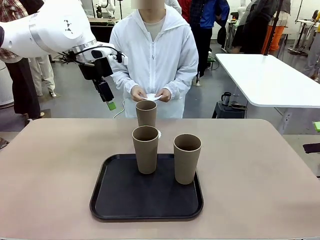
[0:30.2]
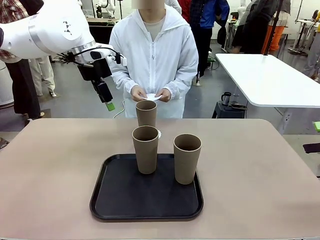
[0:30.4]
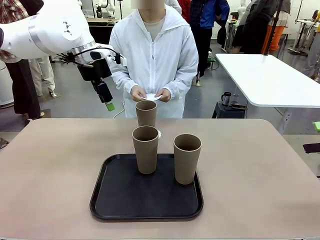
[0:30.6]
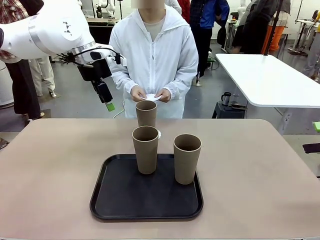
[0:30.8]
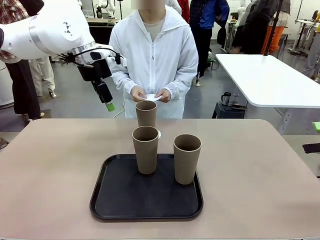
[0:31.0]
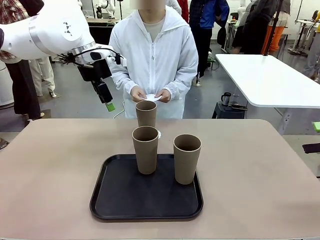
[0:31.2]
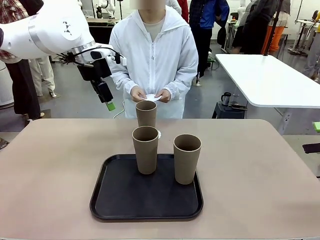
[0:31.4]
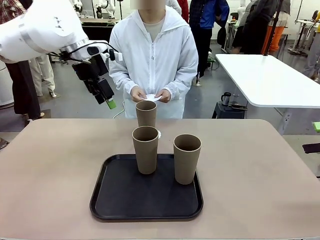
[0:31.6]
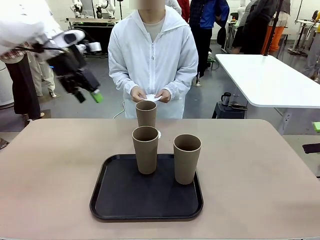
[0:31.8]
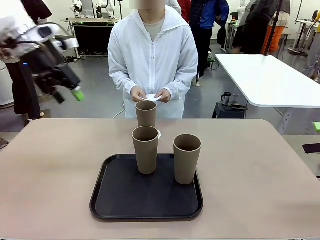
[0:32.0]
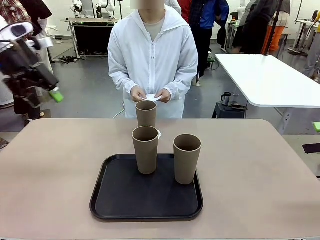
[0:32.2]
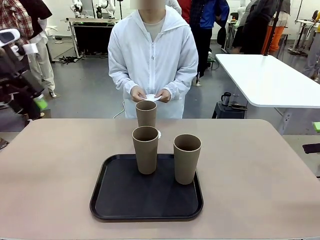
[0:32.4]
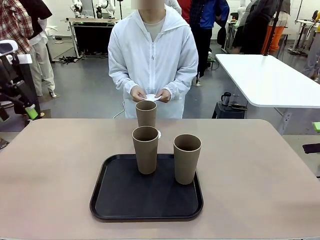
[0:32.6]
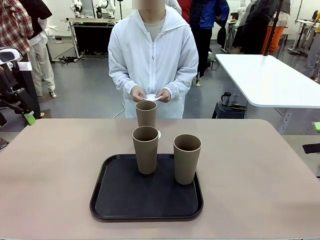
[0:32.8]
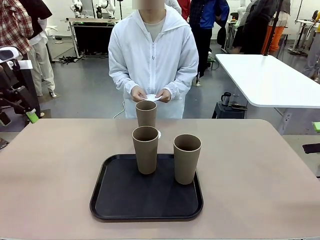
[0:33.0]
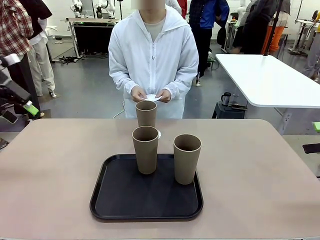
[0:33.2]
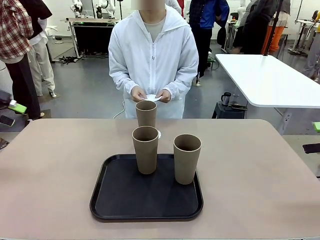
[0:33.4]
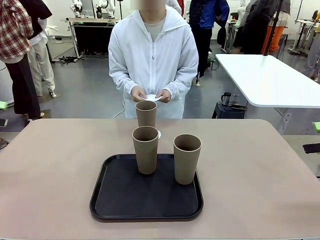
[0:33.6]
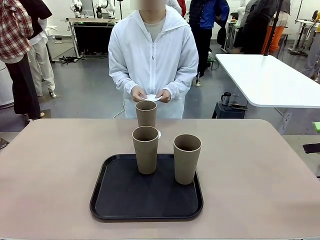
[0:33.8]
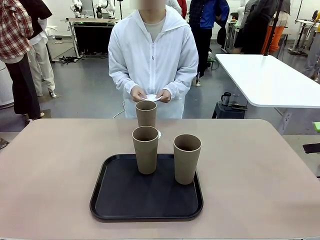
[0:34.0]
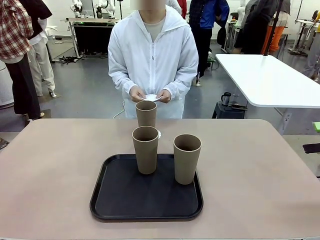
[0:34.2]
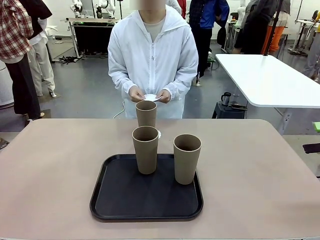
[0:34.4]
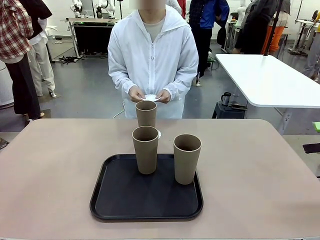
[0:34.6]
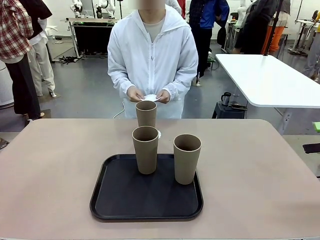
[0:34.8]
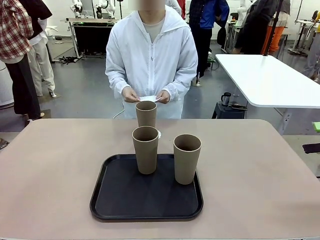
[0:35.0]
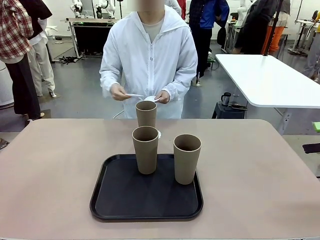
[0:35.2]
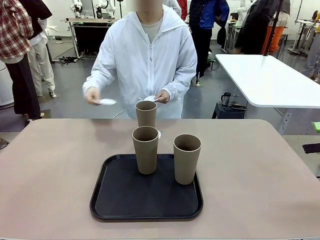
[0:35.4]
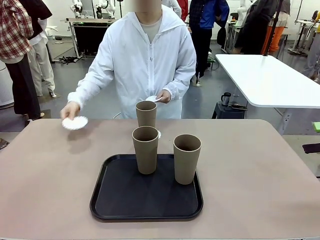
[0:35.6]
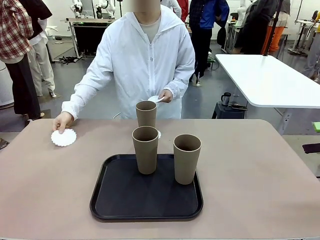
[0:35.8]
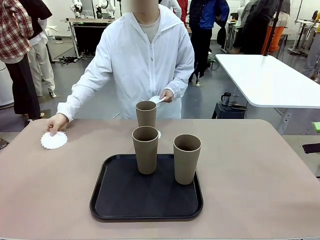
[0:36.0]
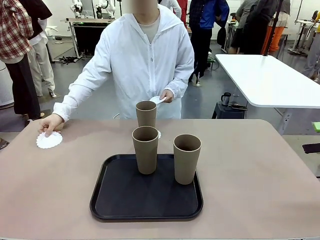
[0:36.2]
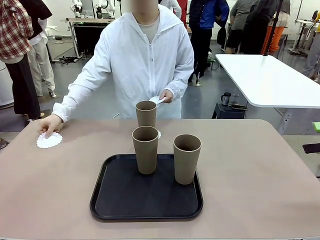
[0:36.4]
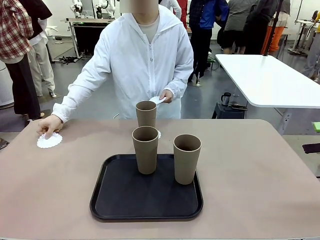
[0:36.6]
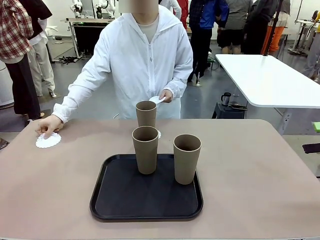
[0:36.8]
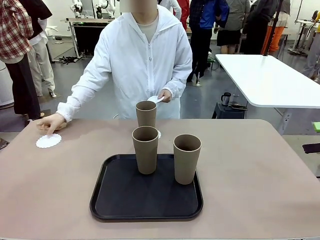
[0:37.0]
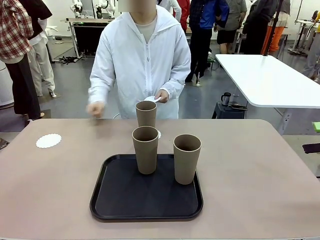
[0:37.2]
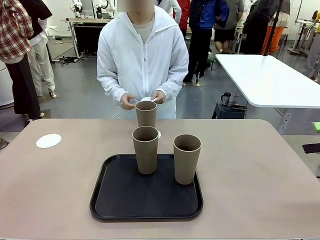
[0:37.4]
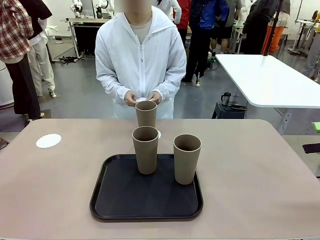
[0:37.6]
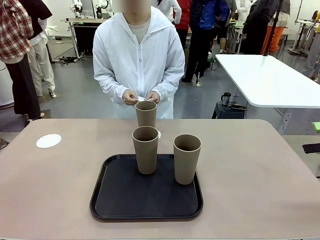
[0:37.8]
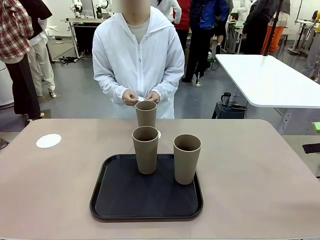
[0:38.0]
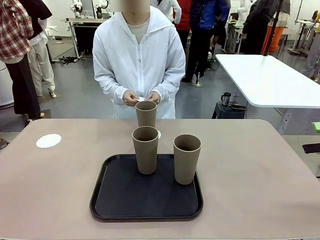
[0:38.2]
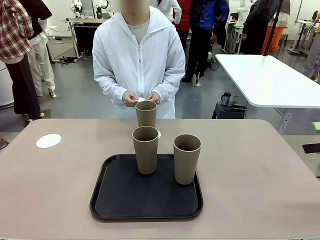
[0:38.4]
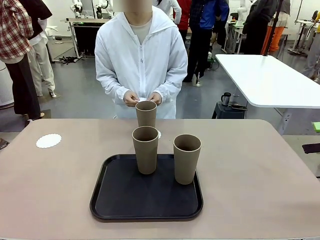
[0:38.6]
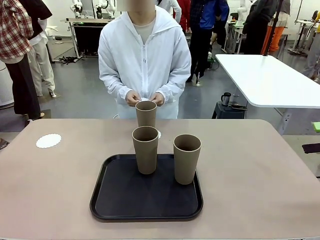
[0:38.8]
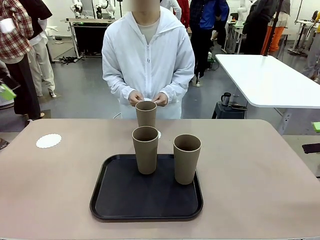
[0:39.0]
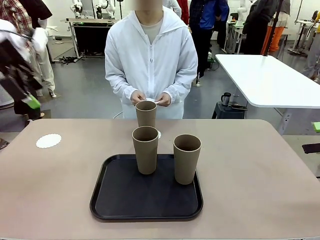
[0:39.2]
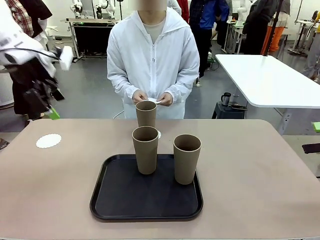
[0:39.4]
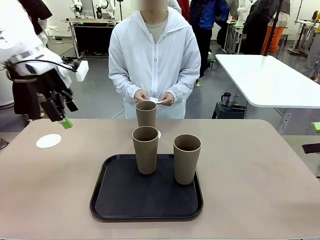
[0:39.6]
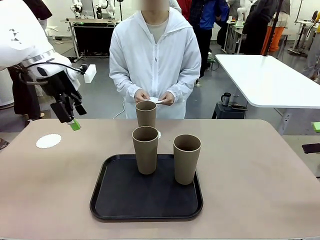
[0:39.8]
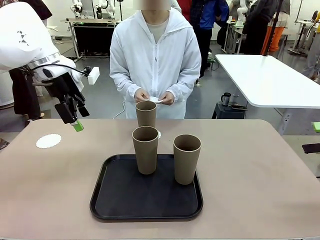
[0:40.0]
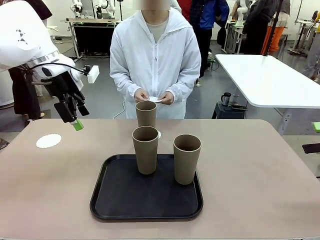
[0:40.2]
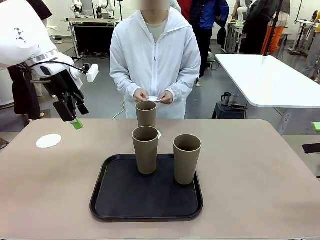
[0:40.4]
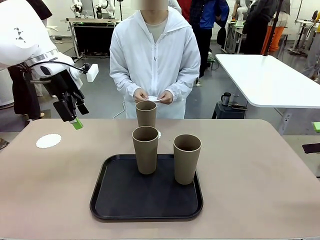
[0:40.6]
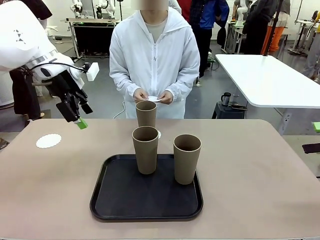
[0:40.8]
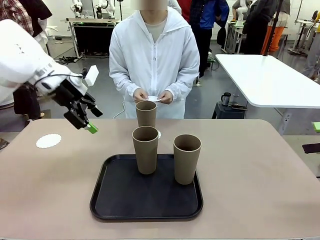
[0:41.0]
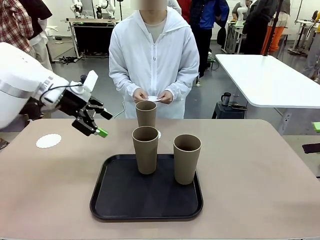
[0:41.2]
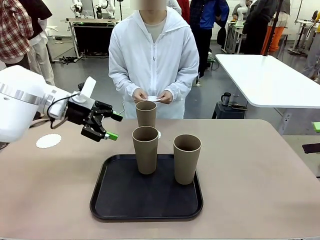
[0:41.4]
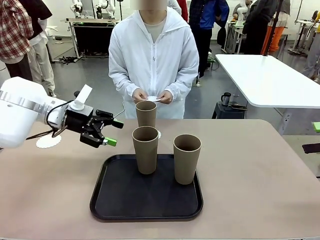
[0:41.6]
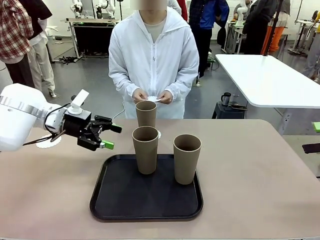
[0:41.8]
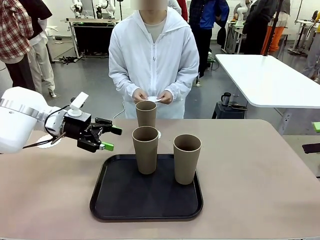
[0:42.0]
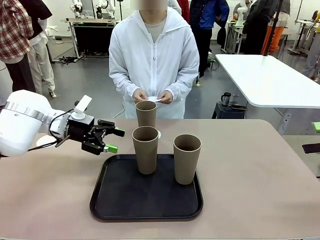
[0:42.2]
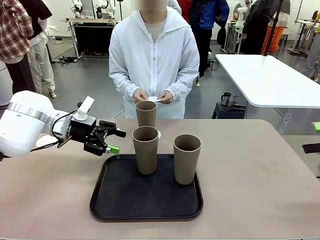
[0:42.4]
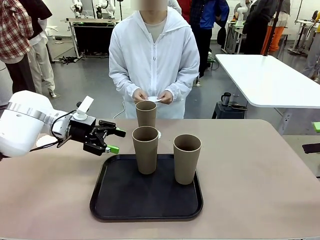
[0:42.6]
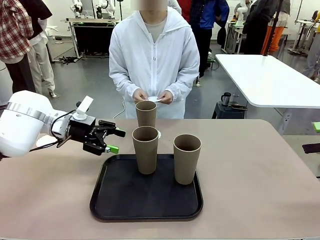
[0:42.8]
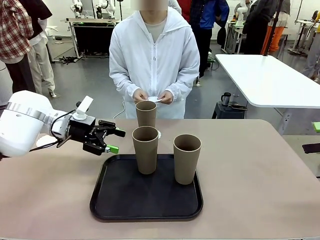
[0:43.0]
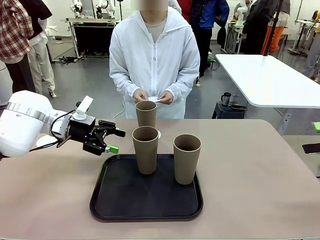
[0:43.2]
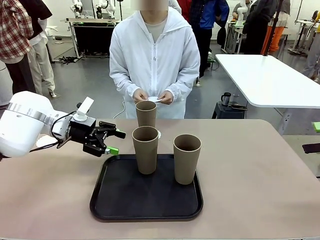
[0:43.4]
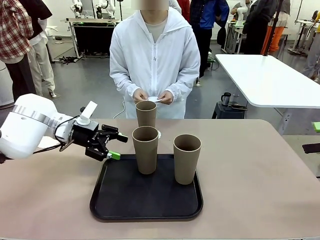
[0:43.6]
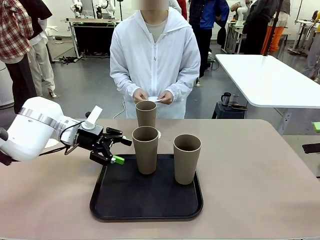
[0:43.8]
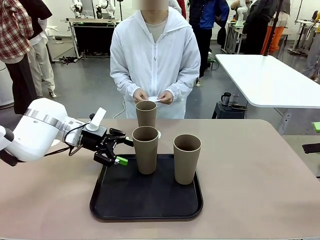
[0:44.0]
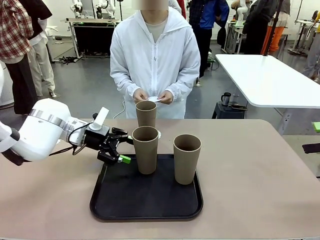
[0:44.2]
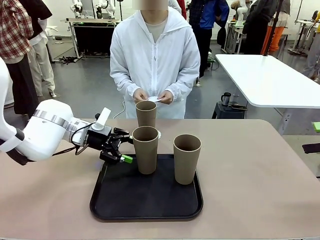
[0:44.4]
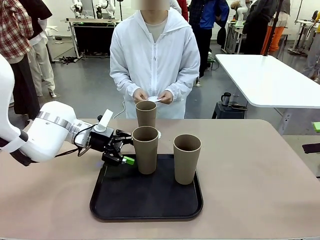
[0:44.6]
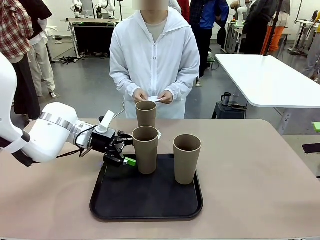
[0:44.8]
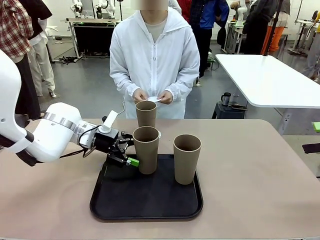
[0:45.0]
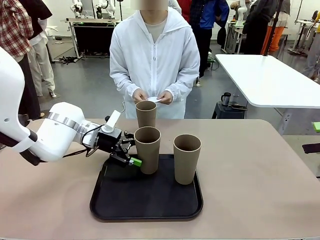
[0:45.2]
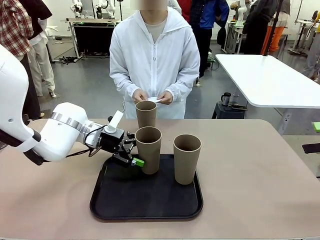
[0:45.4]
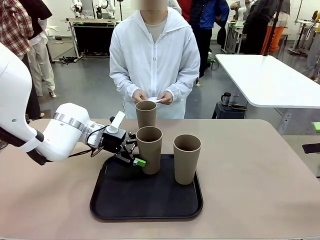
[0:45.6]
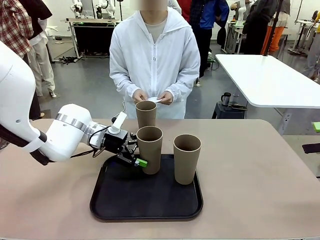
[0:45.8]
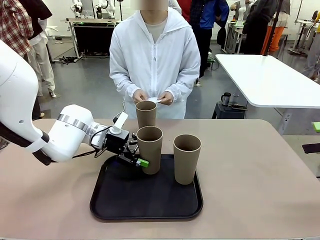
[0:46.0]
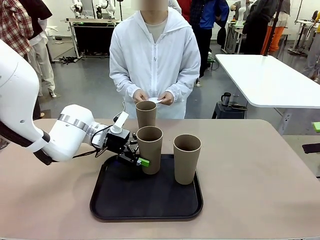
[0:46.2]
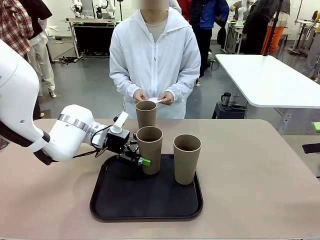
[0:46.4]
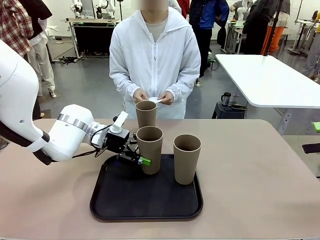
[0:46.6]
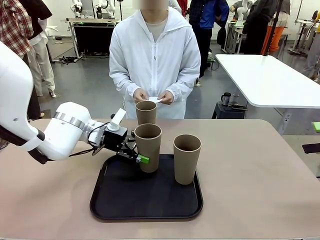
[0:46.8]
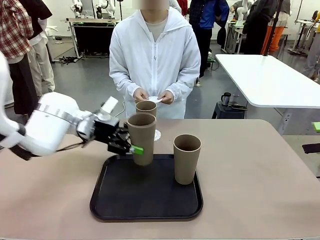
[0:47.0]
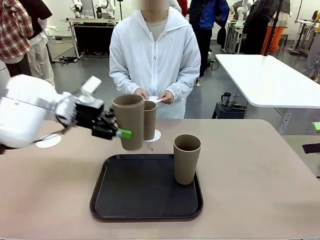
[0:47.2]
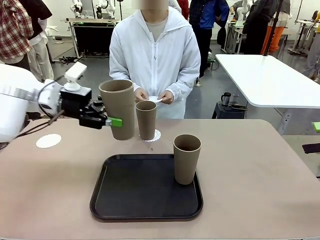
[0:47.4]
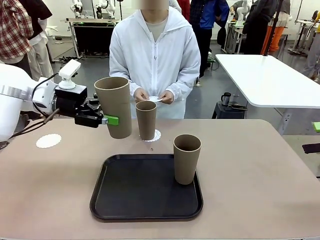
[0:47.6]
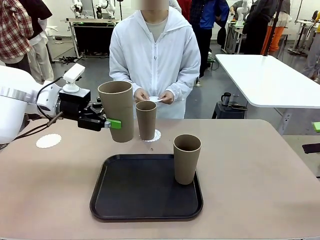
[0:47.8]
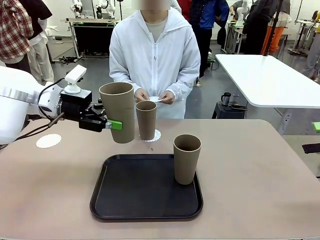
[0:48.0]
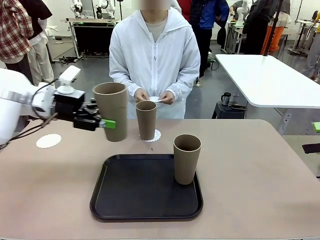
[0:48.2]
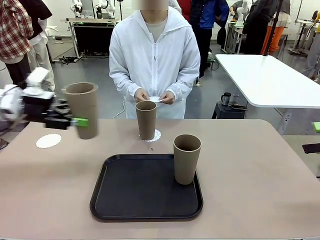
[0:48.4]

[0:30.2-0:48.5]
Task: Place coasters on the table and set cups on them.
Robot: Take one Reusable plastic cup from the Flat Tray and place it on a coaster set by the human.
